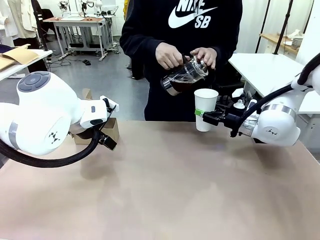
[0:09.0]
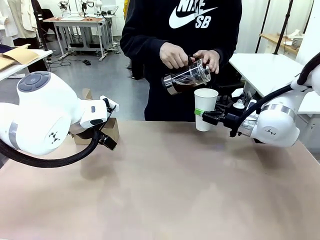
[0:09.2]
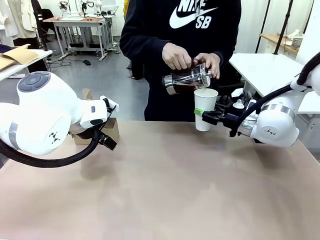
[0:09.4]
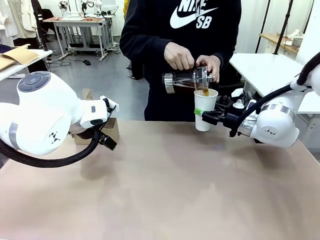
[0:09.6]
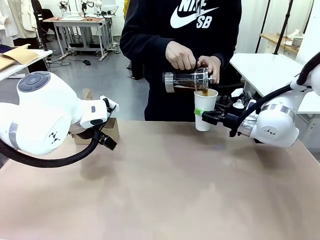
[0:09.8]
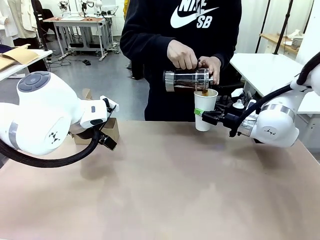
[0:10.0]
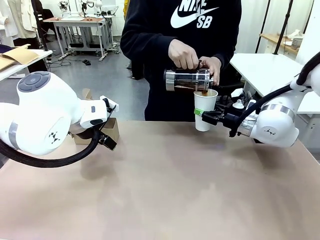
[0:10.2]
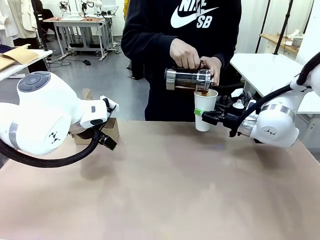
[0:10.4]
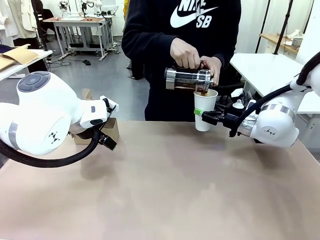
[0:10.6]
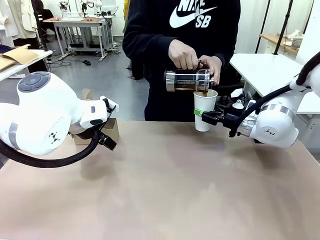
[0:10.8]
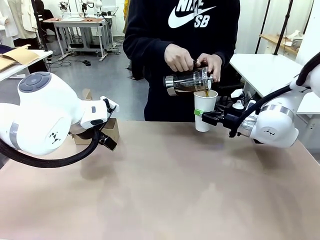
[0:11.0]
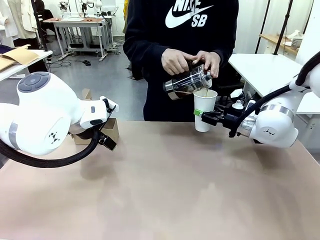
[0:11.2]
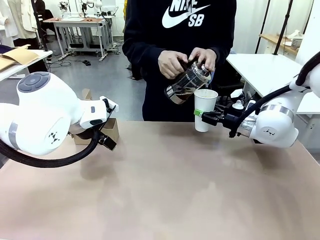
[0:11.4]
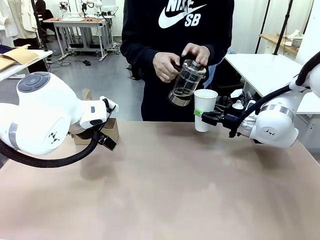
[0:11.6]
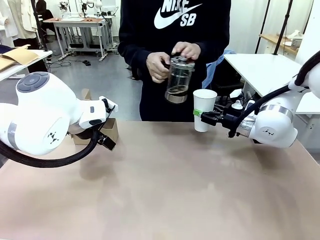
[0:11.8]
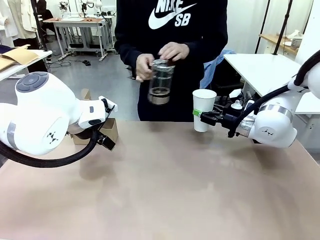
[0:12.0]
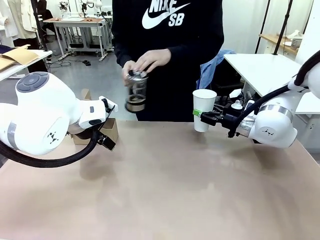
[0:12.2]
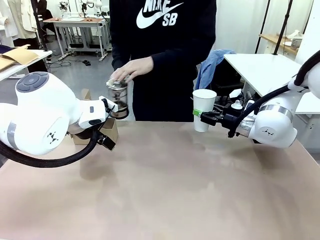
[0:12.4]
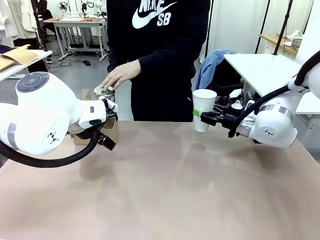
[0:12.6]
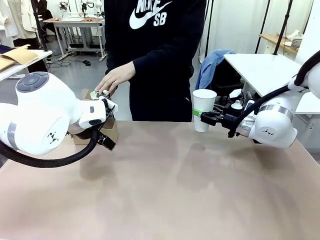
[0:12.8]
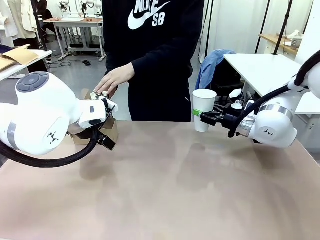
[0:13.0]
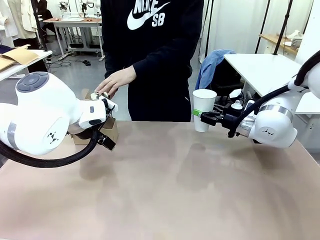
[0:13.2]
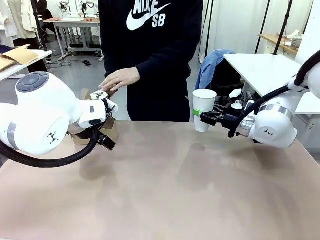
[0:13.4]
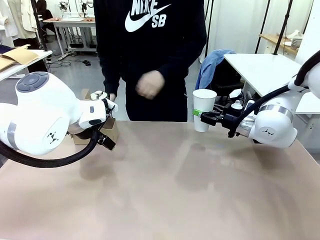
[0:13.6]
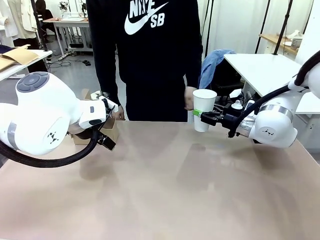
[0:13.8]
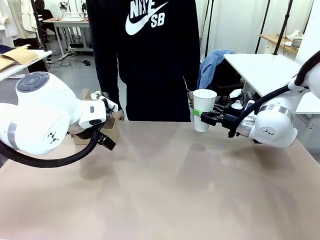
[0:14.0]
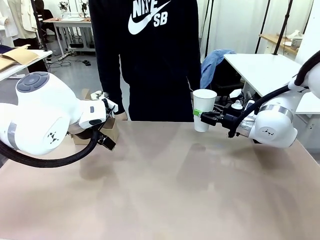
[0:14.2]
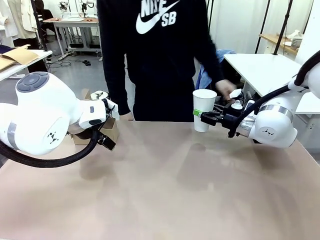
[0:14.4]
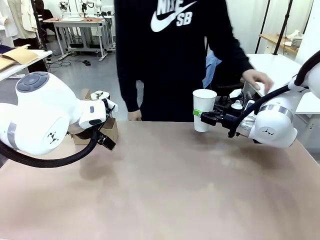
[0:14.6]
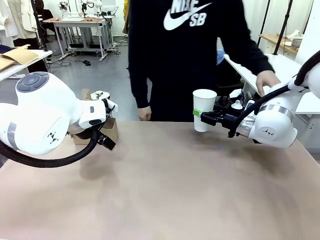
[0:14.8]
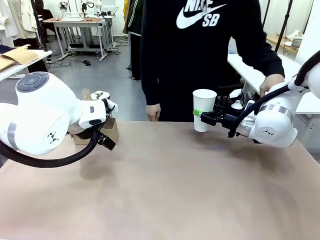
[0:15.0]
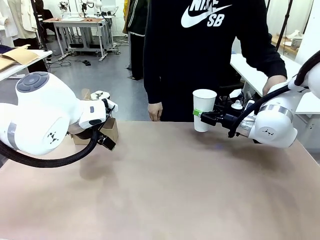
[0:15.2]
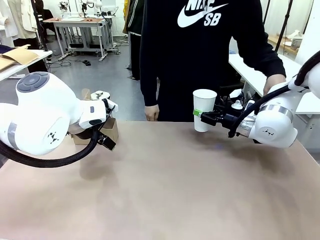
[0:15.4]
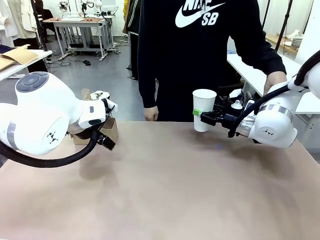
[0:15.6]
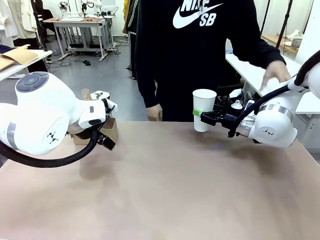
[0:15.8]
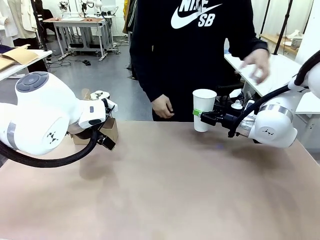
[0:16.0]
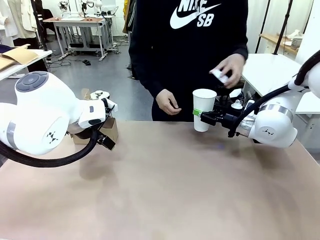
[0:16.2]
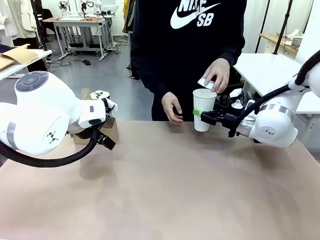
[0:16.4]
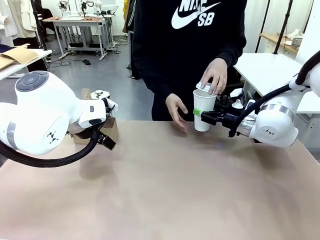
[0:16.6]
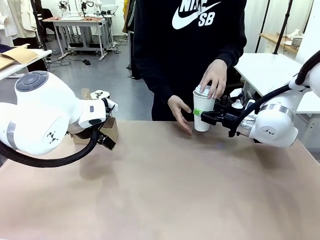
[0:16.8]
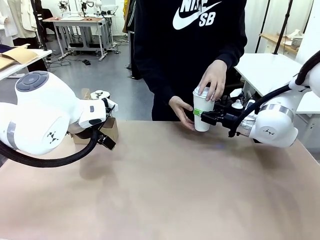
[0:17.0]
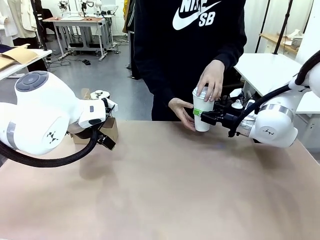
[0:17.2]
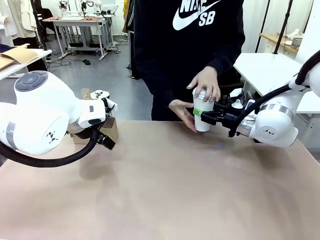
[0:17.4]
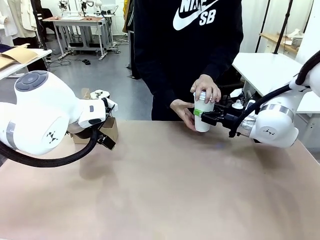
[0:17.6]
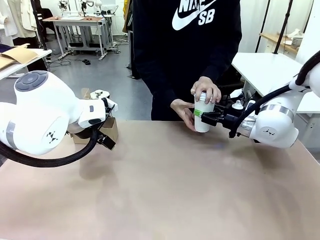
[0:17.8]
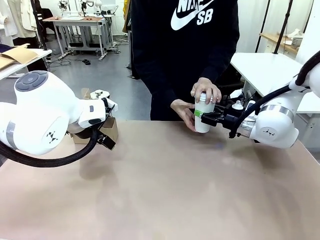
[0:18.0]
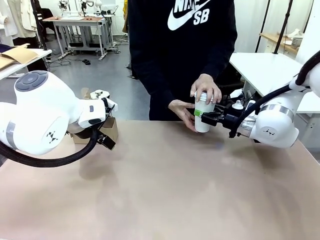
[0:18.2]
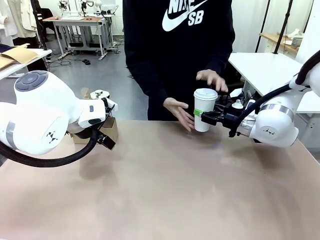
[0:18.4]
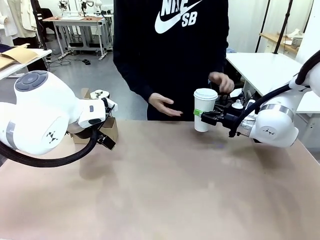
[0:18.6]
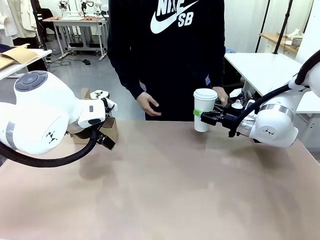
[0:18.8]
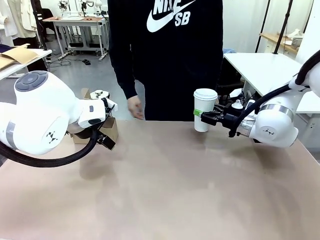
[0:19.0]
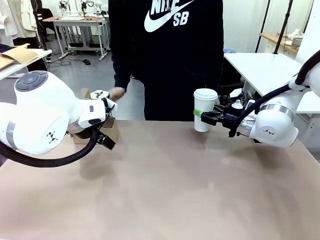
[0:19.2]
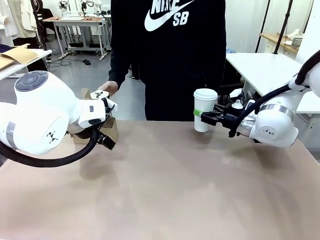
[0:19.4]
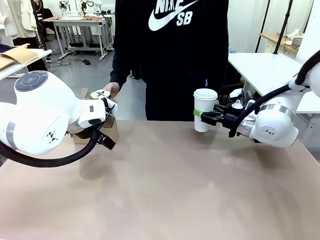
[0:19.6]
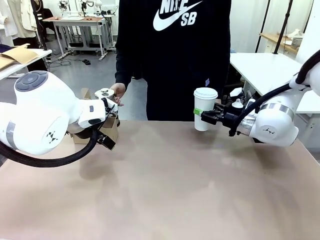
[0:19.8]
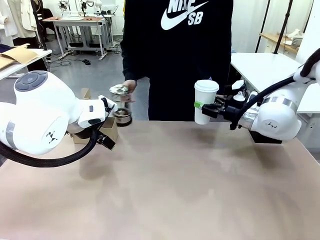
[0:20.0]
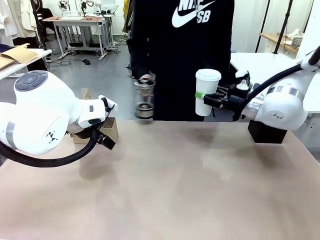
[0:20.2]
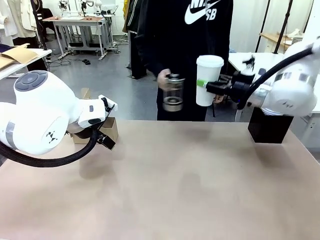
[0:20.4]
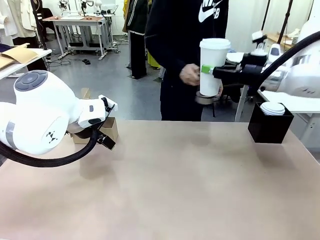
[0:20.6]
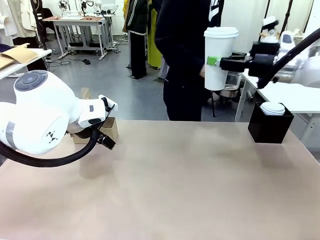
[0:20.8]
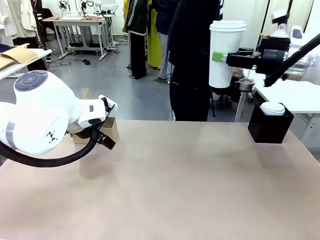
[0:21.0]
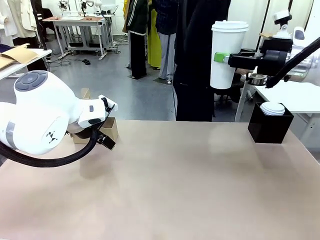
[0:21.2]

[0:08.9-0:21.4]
Task: Pour a drink into a cup and package it in a carrier.
Robot: When a person places the Paper Cup Lid on the 600 ml Paper Cup , lift the 600 ml Paper Cup.
Person: Pour the drink from the Filter Brewing into the 600 ml Paper Cup. Place a Paper Cup Lid on the 600 ml Paper Cup.

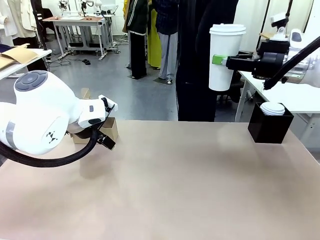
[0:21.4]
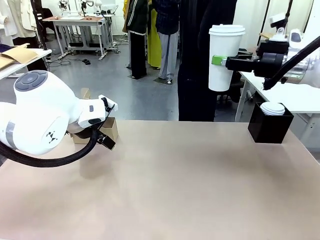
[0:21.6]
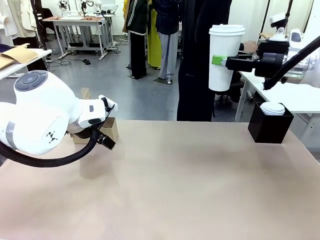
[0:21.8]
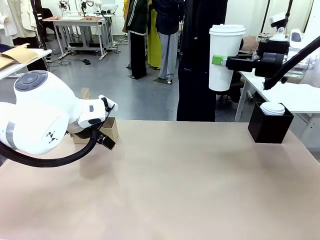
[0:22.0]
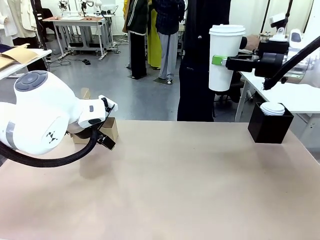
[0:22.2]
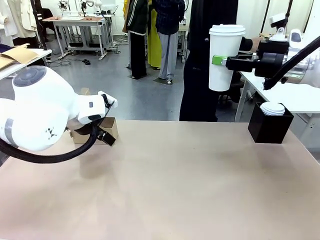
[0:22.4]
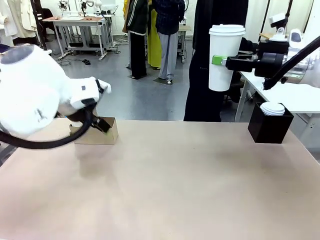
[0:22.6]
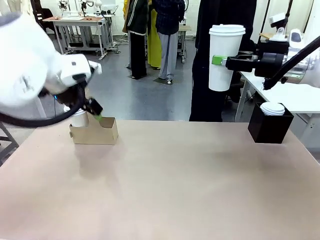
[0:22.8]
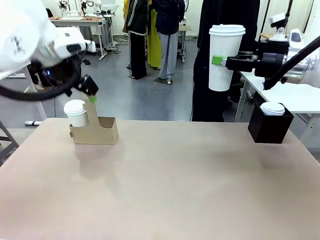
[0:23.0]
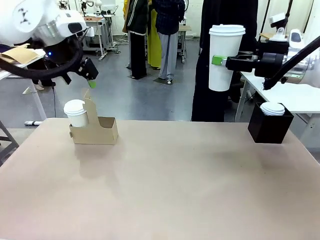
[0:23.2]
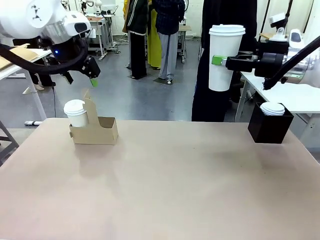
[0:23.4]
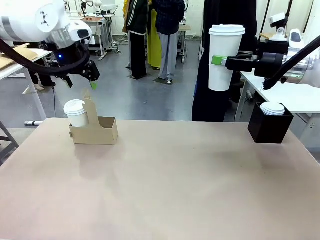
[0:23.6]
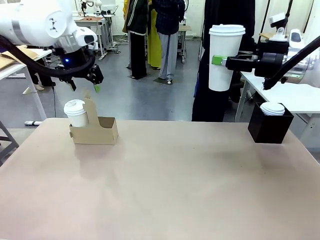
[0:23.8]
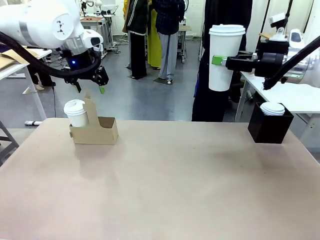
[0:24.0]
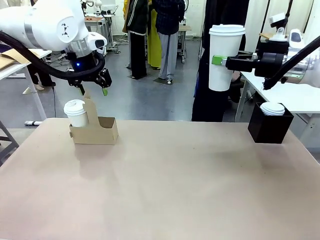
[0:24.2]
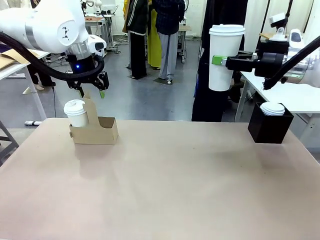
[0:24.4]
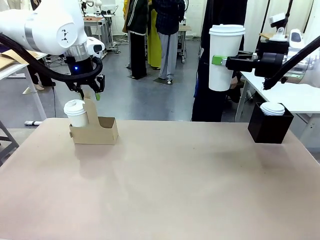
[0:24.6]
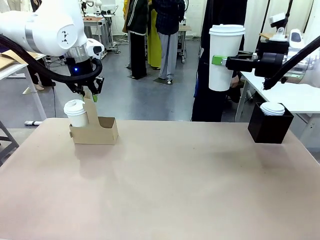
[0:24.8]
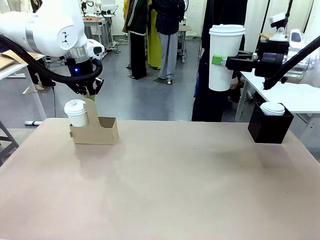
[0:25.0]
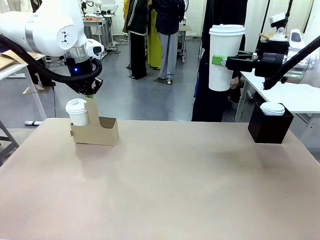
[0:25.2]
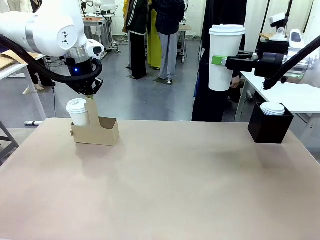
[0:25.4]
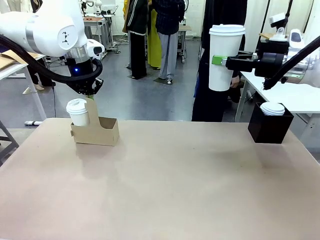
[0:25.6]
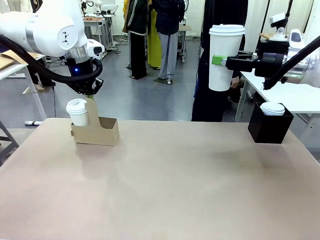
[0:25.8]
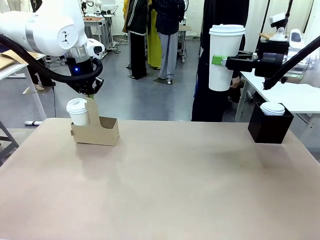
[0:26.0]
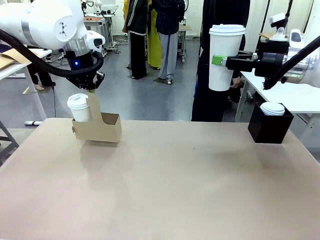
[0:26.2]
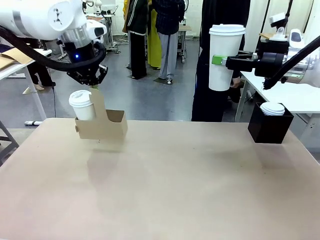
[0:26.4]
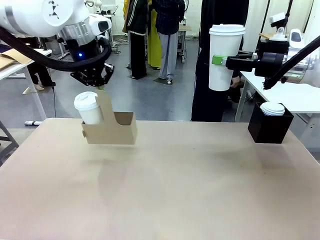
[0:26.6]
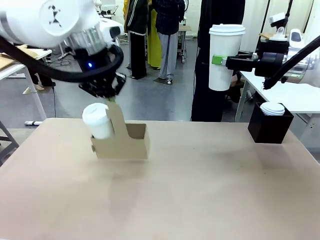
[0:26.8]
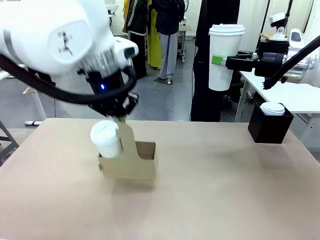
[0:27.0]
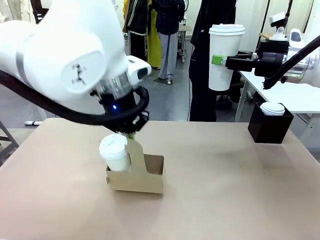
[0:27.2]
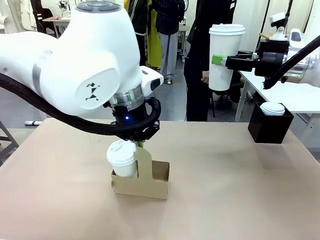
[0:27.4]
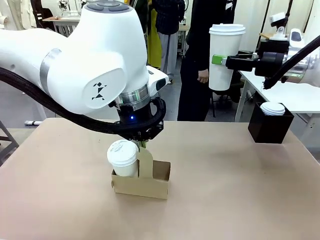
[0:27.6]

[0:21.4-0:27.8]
Robot: Position the Cup Carrier in the center of the table.
